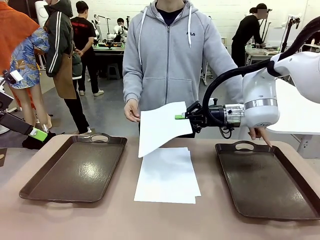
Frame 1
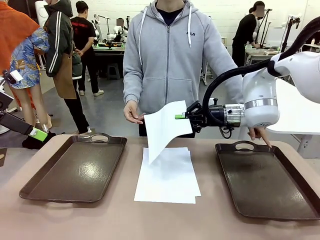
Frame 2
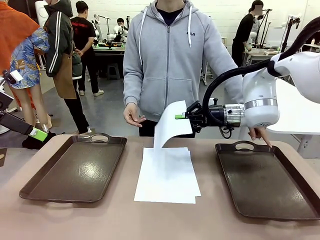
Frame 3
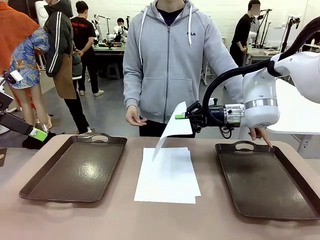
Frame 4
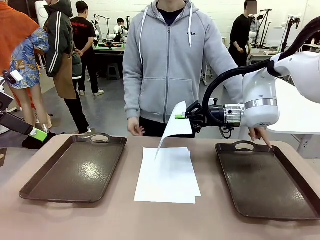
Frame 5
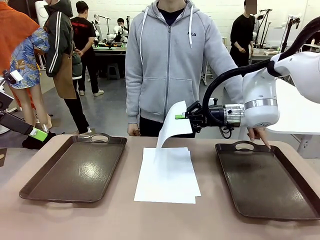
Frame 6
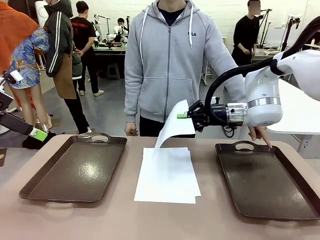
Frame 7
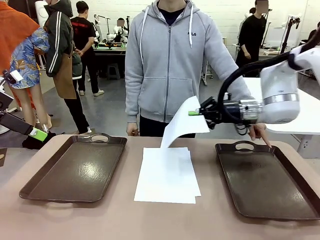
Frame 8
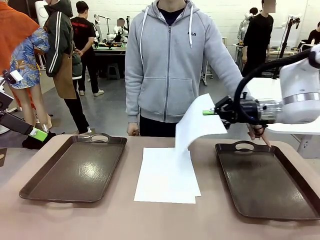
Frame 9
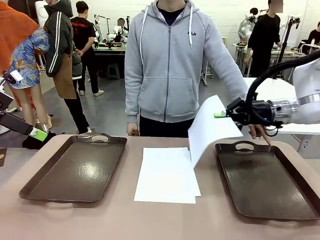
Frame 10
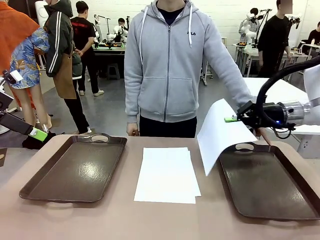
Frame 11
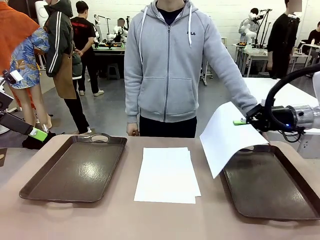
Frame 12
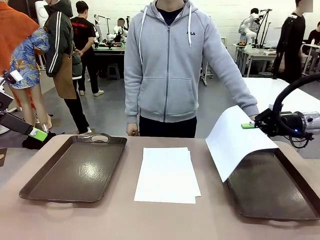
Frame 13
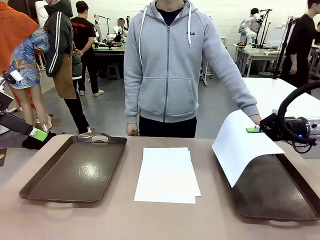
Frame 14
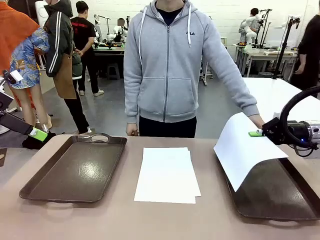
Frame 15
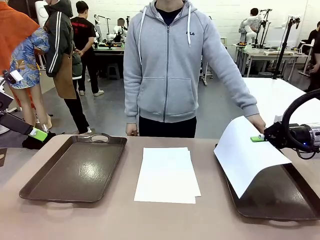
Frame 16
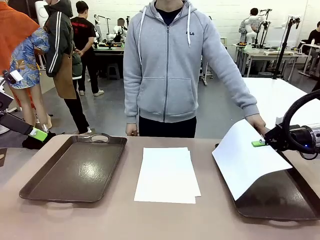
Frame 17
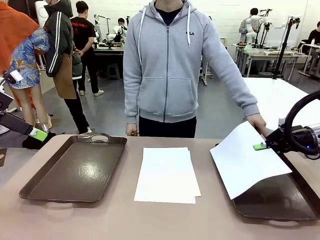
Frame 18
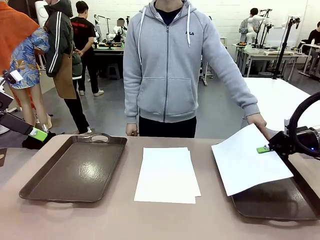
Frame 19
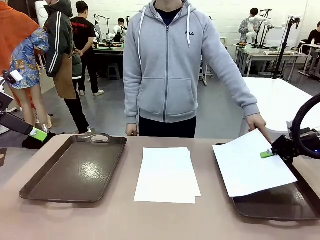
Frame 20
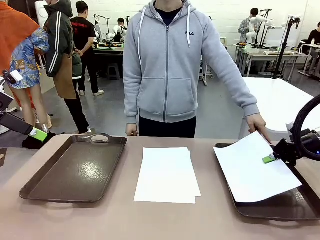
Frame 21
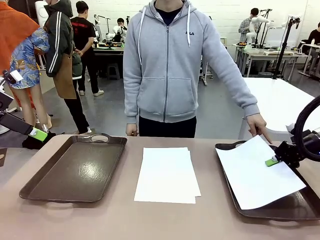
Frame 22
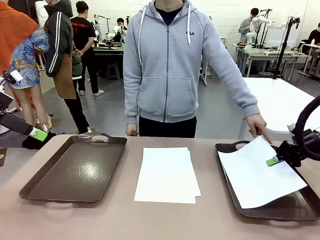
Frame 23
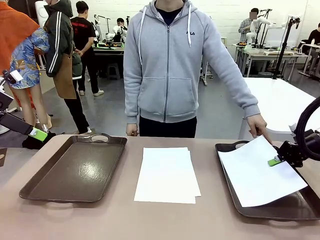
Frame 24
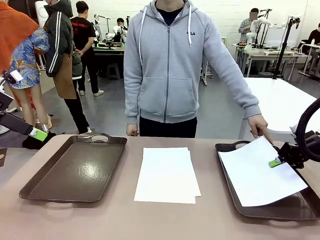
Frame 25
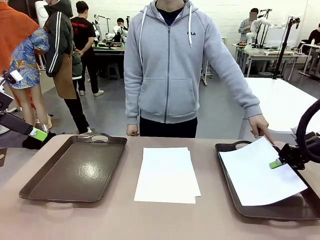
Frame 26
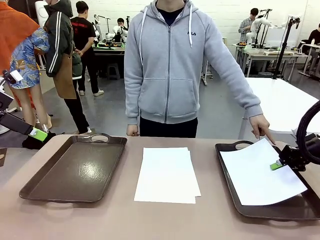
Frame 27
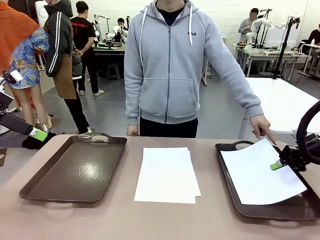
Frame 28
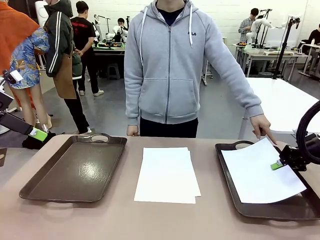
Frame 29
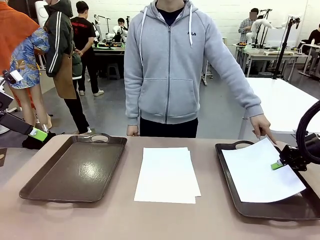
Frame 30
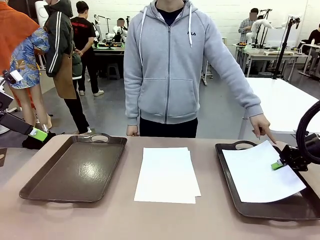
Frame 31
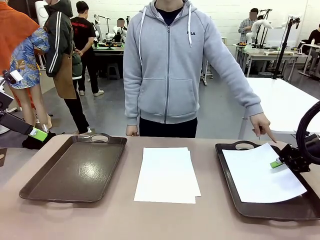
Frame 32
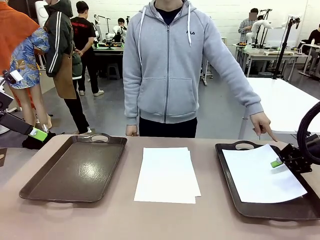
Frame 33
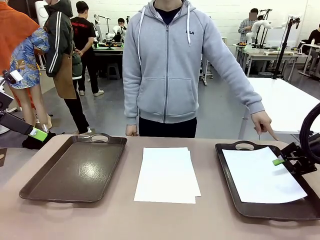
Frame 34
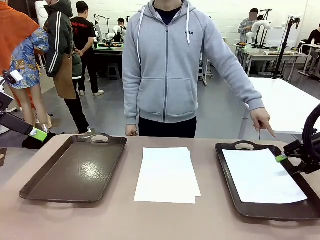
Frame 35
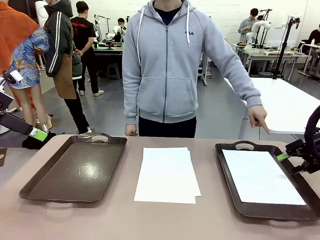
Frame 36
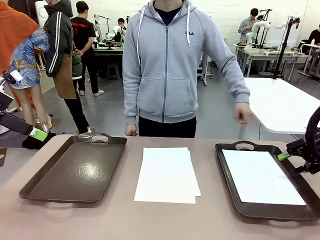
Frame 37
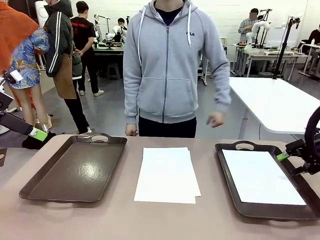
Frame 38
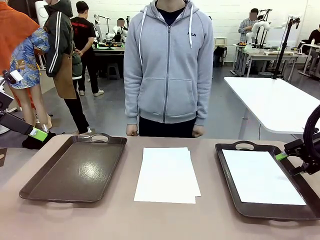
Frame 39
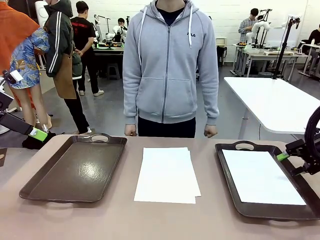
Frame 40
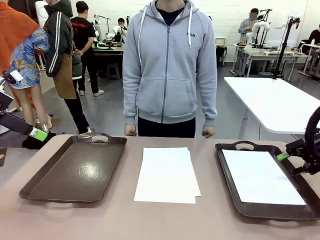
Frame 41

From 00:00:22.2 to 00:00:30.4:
Task: Sort the A4 documents.
Robot: Place the A4 Paper in the designated Handle tray.

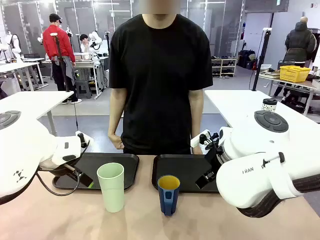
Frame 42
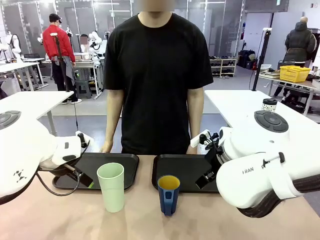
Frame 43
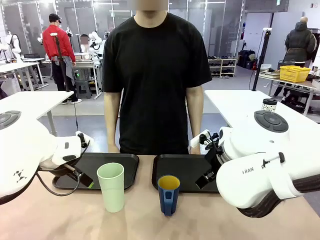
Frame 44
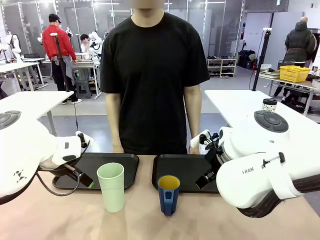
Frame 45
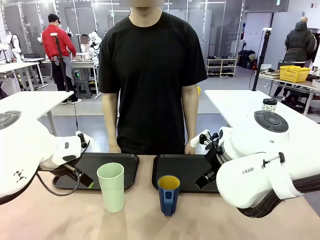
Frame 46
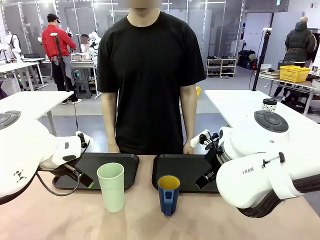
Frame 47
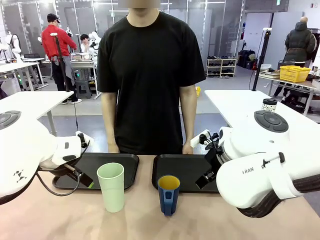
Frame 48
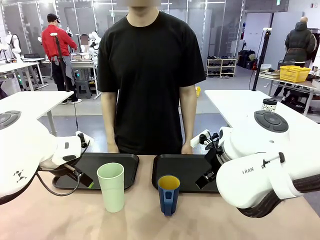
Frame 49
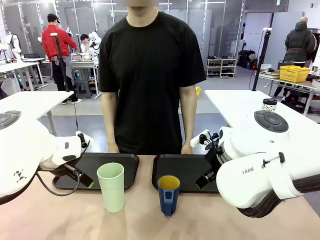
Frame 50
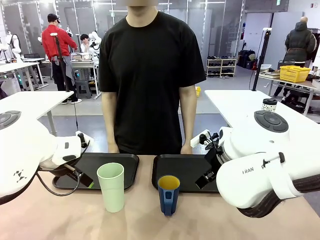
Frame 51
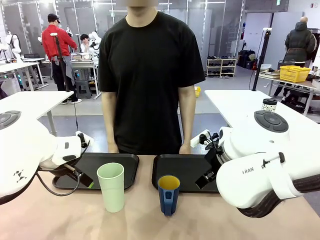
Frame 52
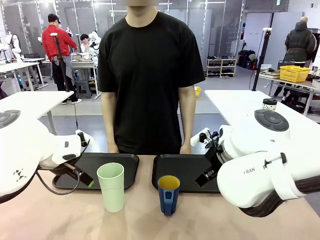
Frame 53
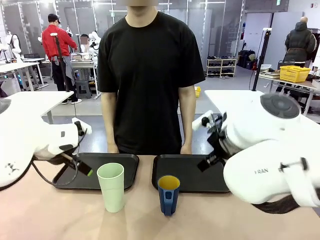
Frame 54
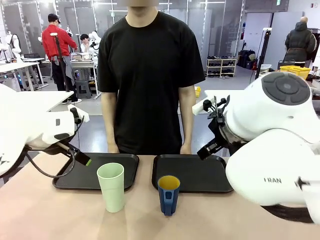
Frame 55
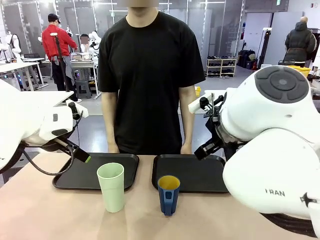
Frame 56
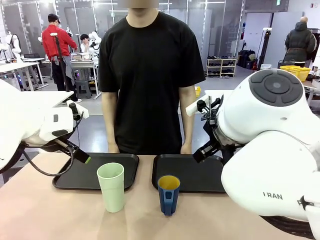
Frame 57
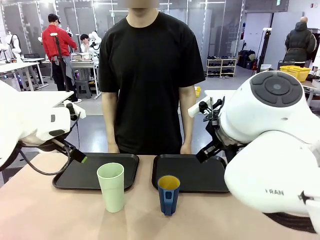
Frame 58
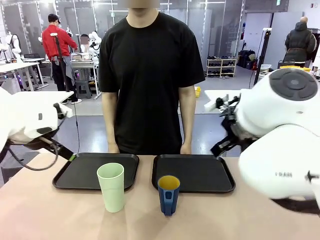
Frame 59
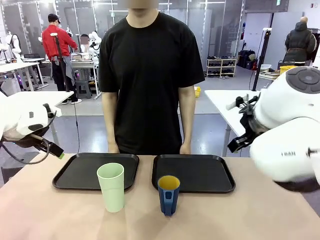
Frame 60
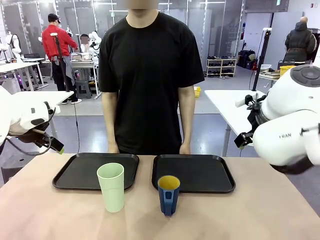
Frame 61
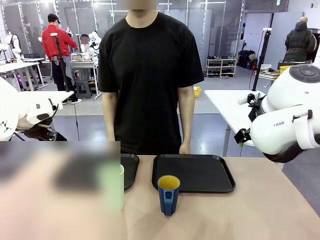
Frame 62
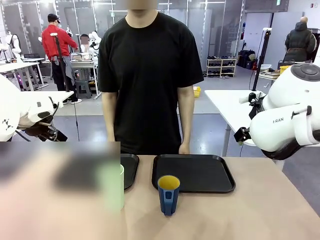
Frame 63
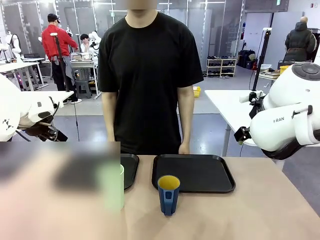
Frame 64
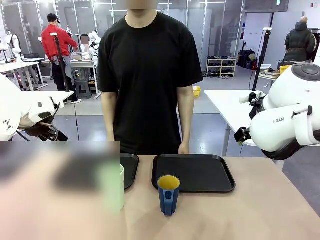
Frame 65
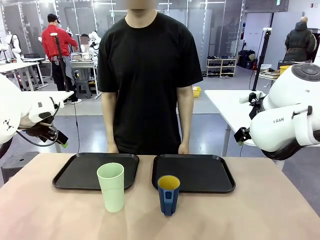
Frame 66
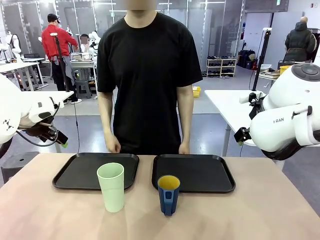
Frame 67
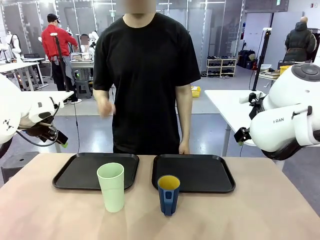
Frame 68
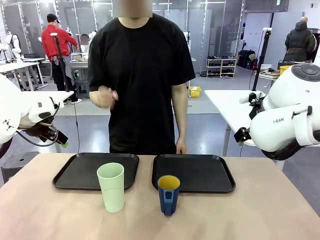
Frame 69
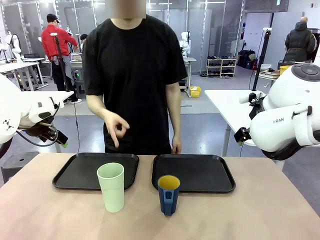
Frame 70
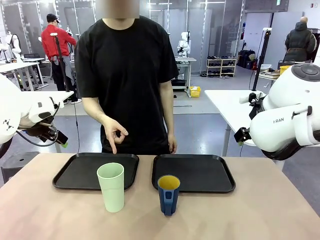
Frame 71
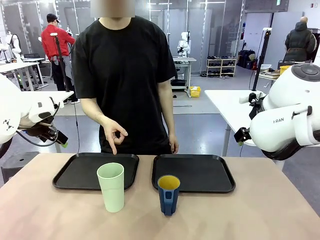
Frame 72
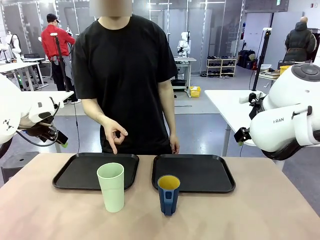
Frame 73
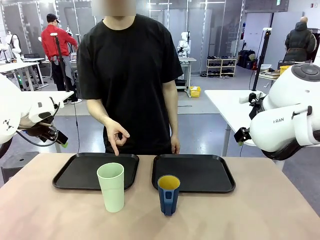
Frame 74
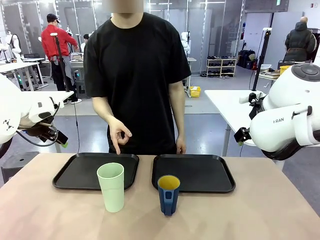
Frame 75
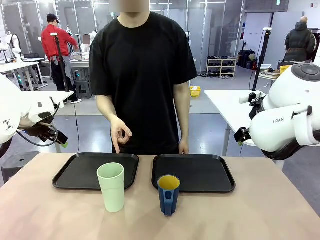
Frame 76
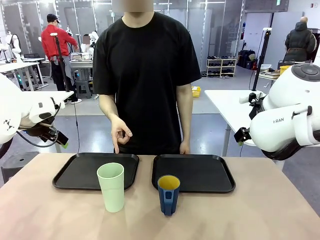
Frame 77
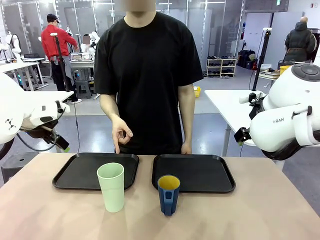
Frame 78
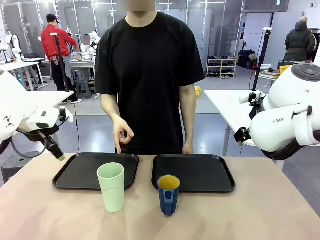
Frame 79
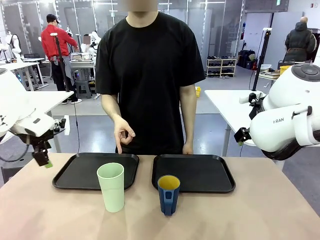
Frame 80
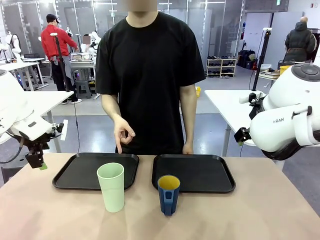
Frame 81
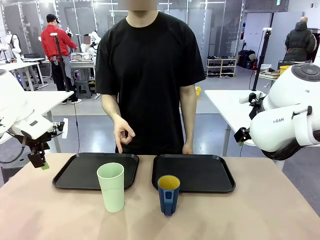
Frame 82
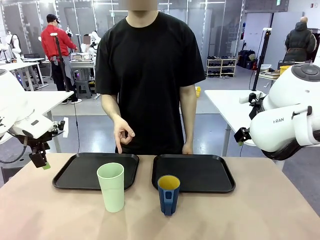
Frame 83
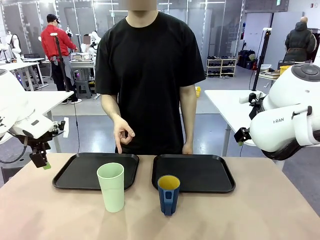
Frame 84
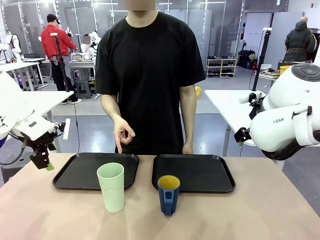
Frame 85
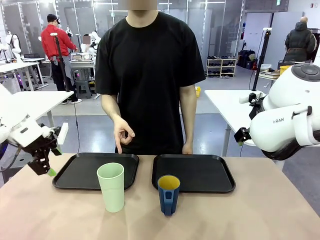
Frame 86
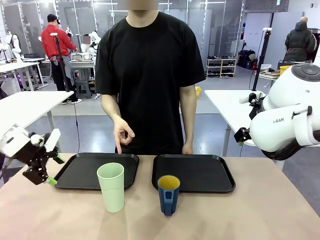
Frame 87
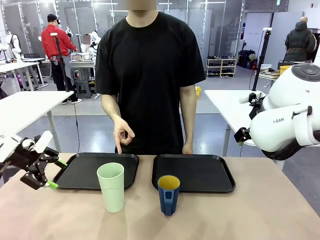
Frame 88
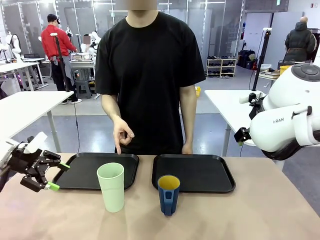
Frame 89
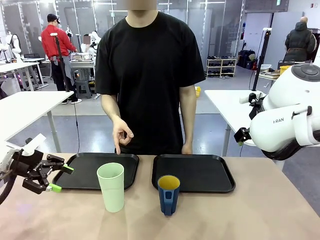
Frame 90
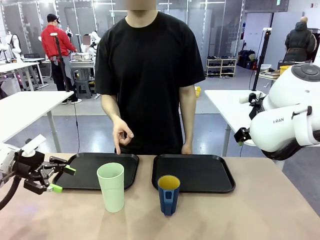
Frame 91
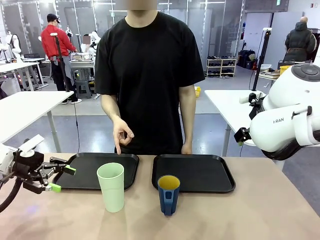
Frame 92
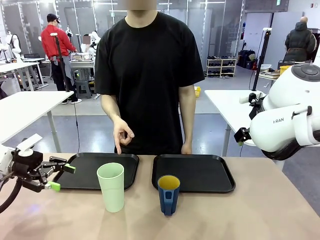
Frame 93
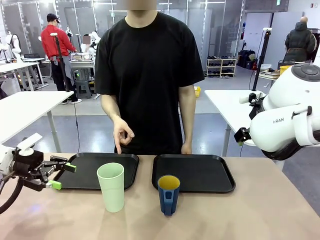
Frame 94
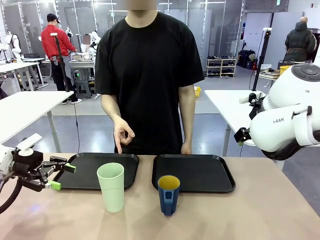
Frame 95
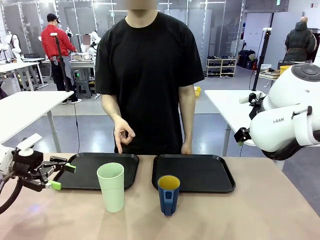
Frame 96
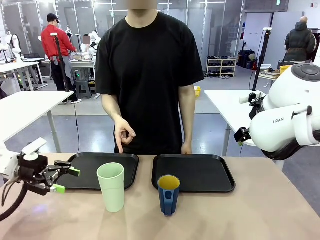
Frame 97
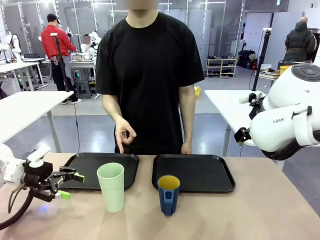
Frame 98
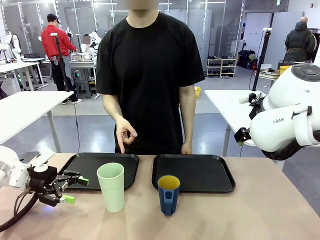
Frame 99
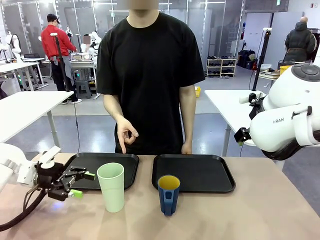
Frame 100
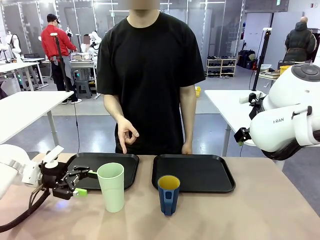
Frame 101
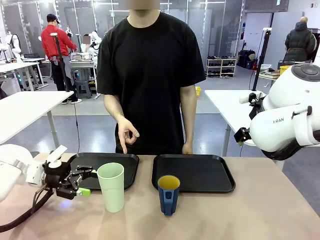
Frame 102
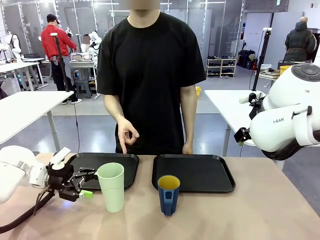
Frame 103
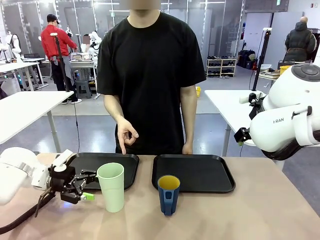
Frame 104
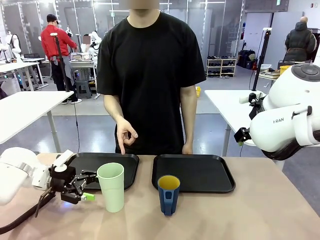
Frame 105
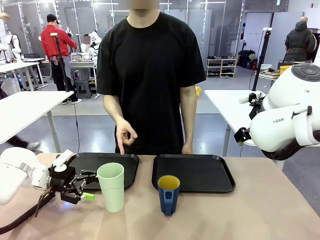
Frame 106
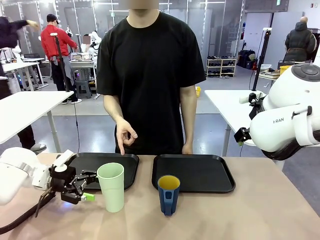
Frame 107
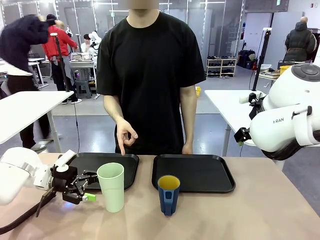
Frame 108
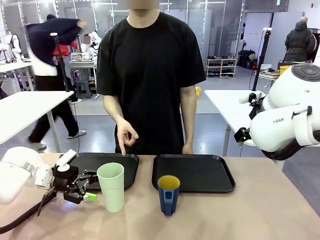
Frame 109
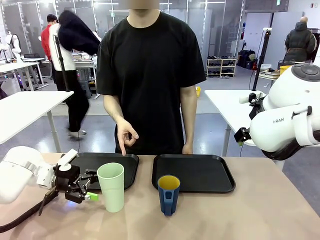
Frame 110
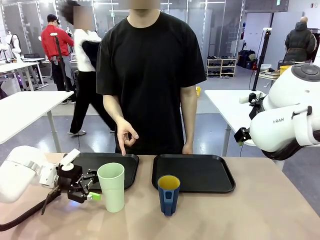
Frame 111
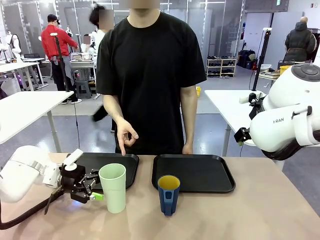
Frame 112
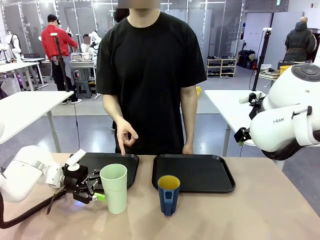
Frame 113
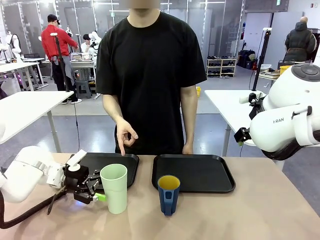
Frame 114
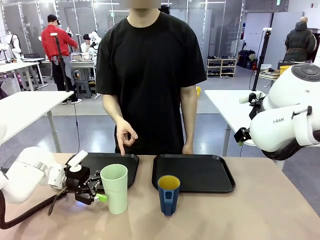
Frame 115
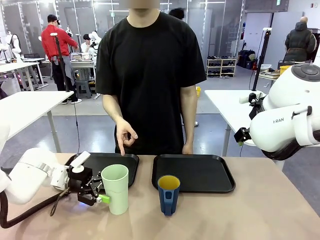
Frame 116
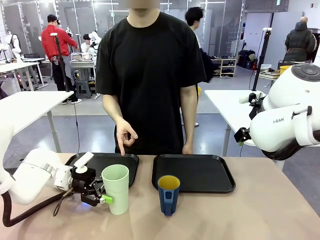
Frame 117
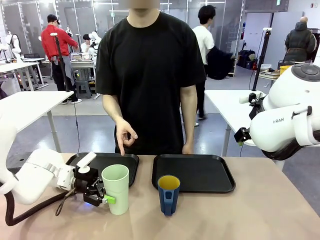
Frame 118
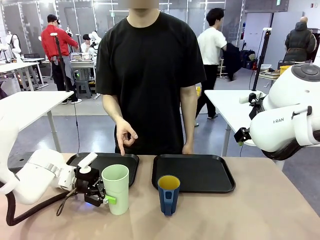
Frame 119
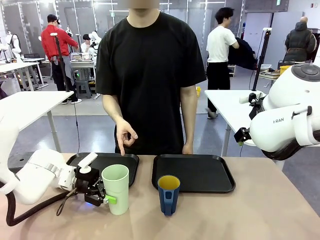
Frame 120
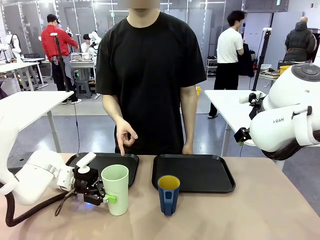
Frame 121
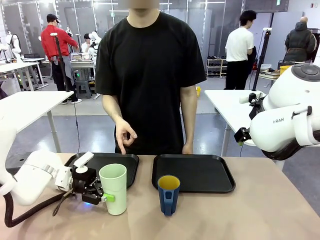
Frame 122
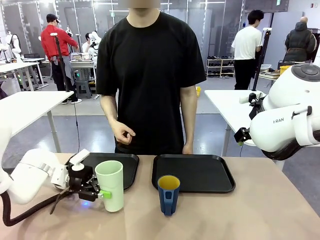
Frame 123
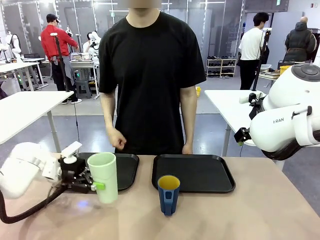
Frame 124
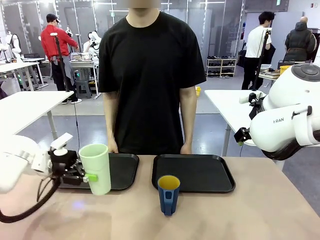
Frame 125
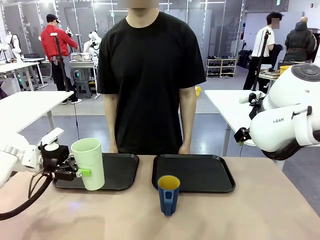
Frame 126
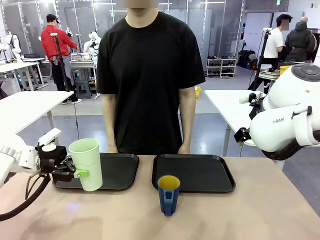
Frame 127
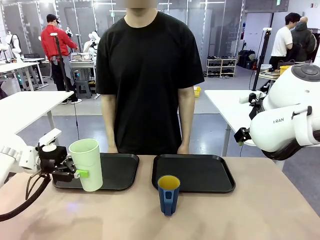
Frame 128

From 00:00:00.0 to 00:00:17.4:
Task: Sort and store the cups by type.
Robot: Pick up the Reusable plastic cup.
Person: Points to the reusable cup. Point to one of the two trays.
